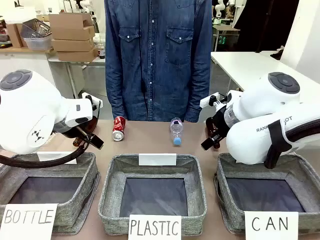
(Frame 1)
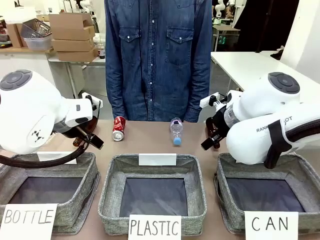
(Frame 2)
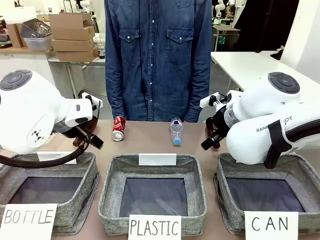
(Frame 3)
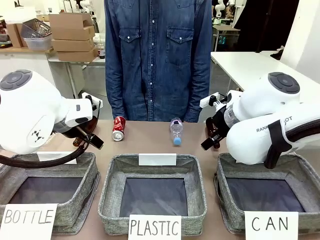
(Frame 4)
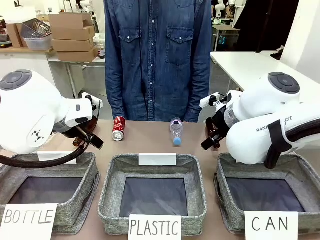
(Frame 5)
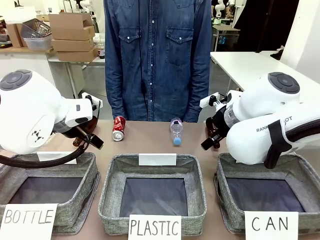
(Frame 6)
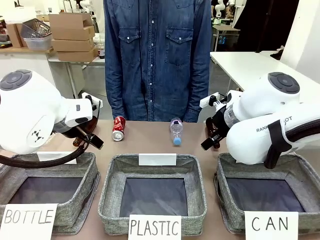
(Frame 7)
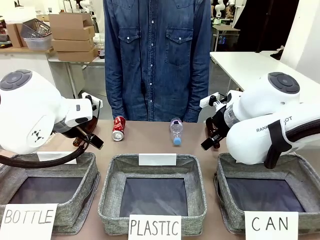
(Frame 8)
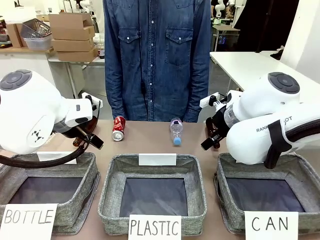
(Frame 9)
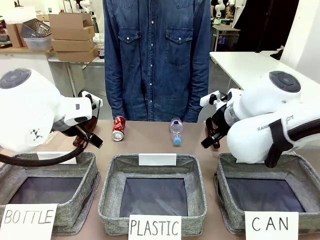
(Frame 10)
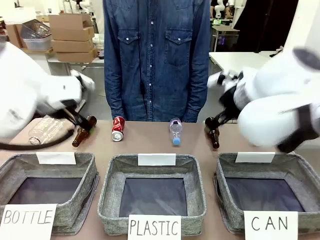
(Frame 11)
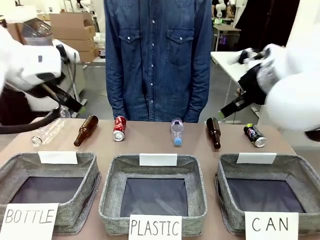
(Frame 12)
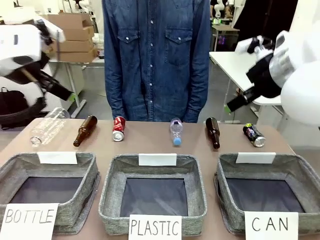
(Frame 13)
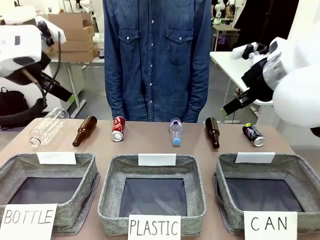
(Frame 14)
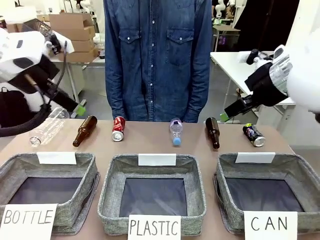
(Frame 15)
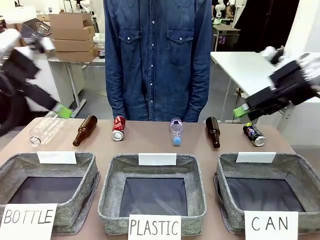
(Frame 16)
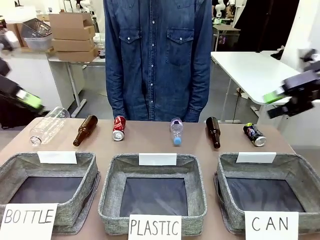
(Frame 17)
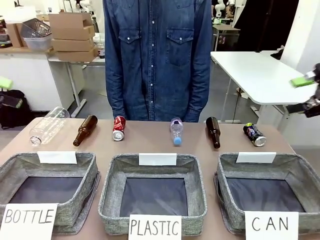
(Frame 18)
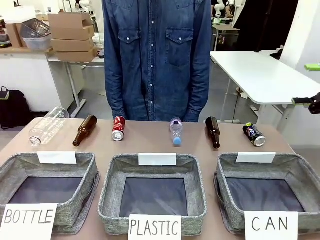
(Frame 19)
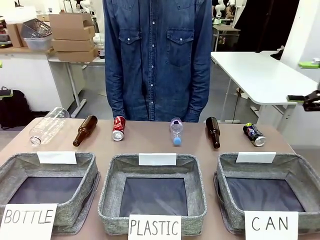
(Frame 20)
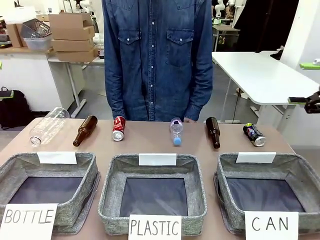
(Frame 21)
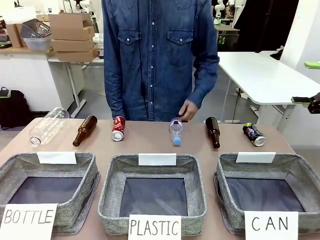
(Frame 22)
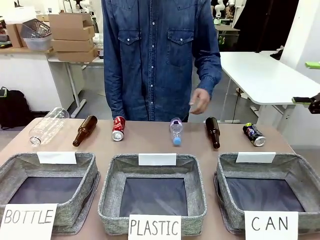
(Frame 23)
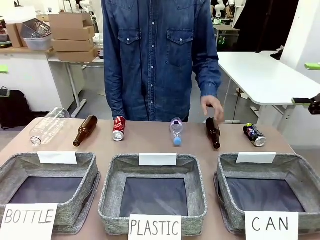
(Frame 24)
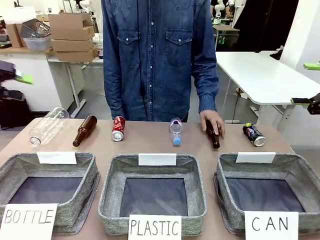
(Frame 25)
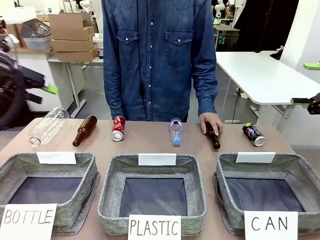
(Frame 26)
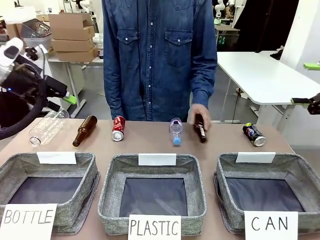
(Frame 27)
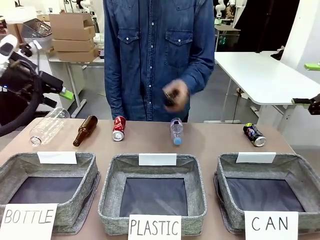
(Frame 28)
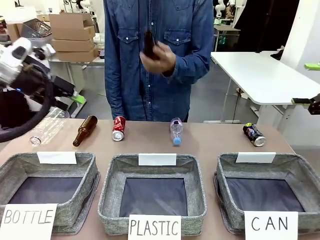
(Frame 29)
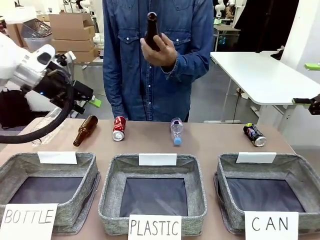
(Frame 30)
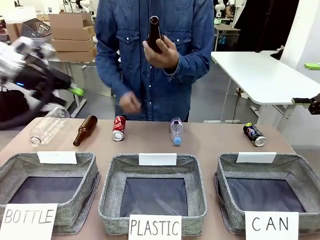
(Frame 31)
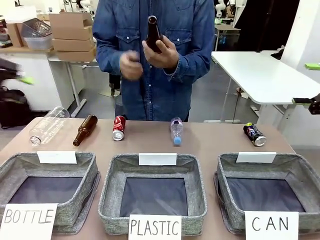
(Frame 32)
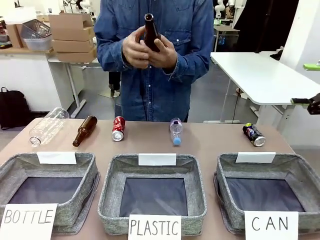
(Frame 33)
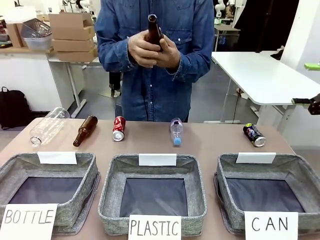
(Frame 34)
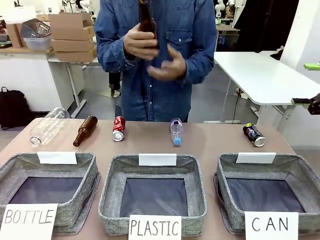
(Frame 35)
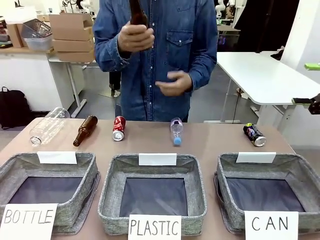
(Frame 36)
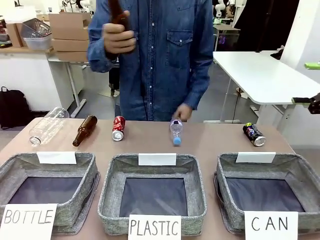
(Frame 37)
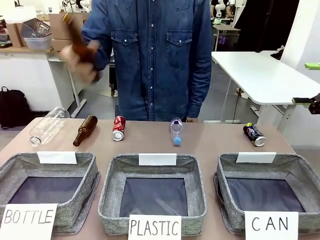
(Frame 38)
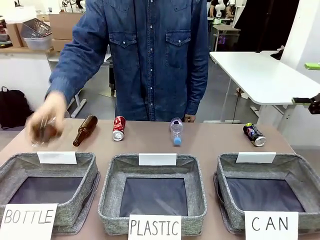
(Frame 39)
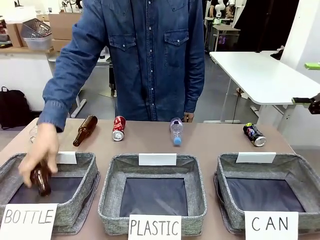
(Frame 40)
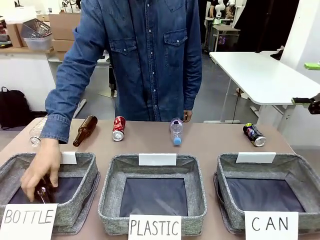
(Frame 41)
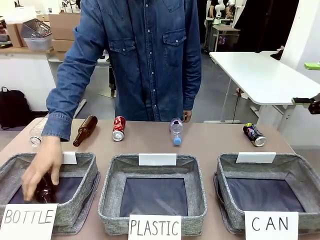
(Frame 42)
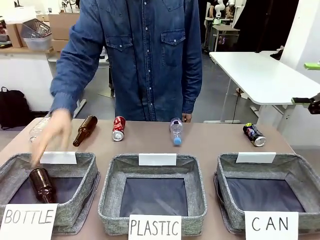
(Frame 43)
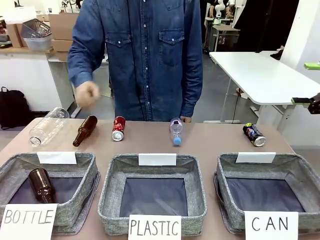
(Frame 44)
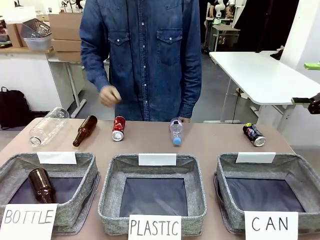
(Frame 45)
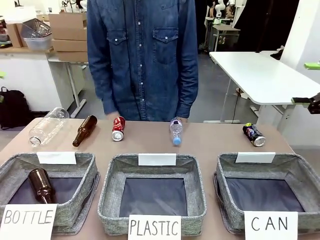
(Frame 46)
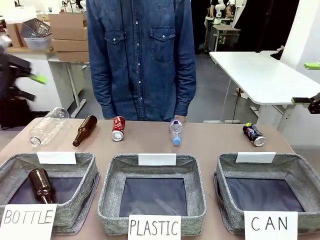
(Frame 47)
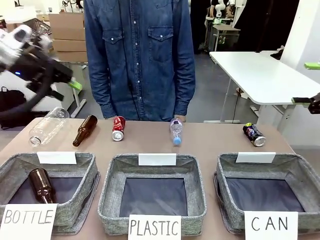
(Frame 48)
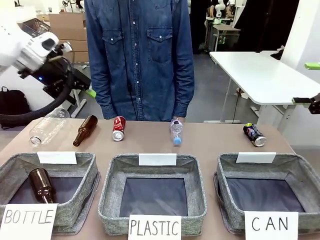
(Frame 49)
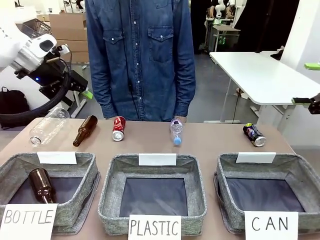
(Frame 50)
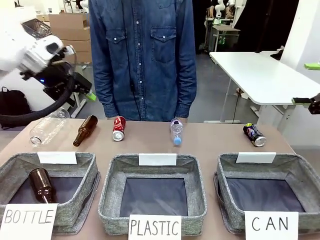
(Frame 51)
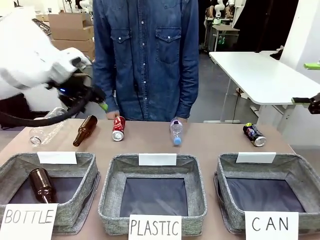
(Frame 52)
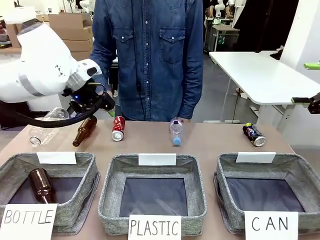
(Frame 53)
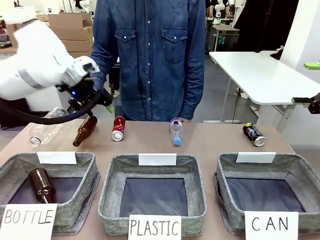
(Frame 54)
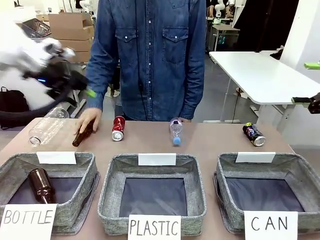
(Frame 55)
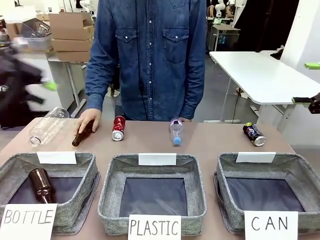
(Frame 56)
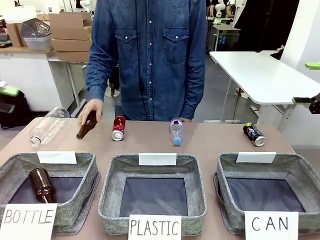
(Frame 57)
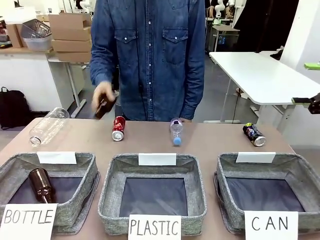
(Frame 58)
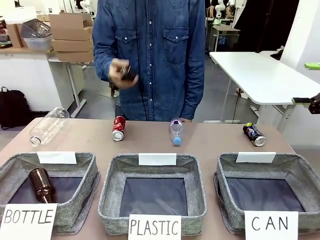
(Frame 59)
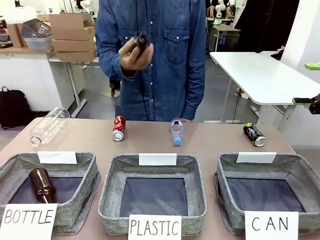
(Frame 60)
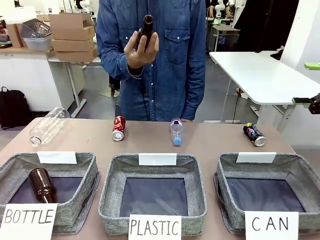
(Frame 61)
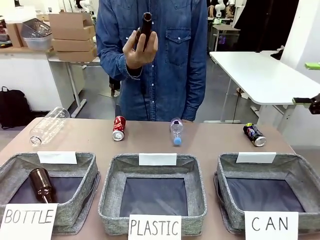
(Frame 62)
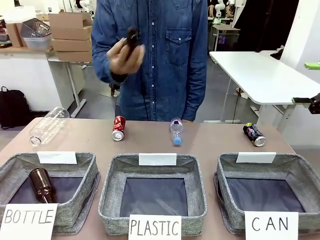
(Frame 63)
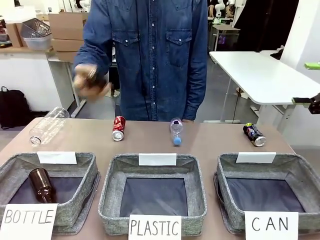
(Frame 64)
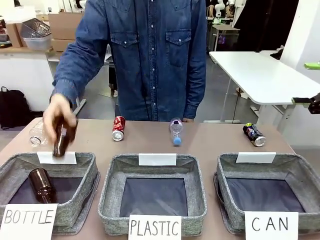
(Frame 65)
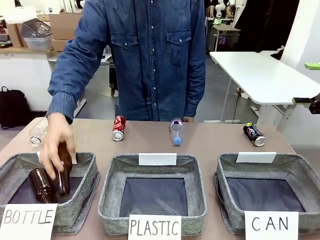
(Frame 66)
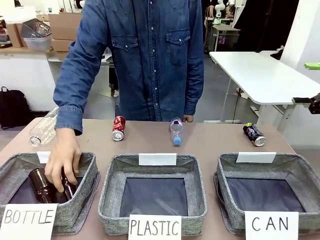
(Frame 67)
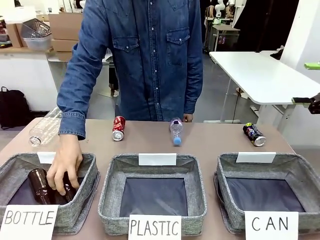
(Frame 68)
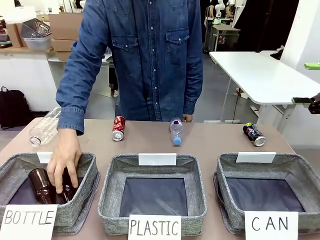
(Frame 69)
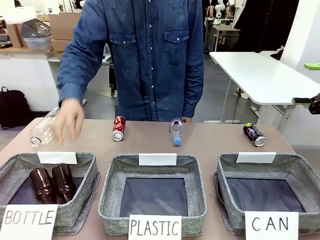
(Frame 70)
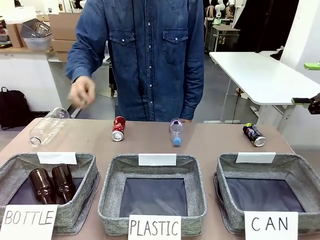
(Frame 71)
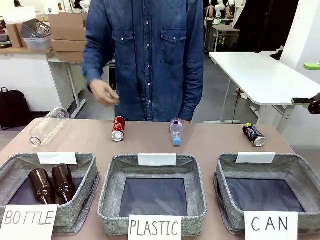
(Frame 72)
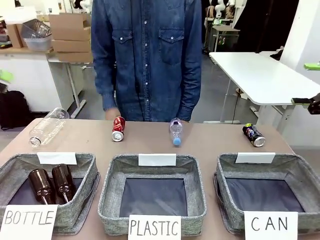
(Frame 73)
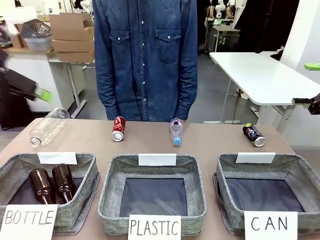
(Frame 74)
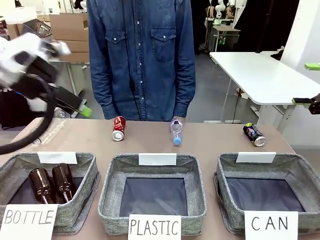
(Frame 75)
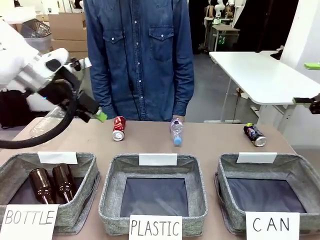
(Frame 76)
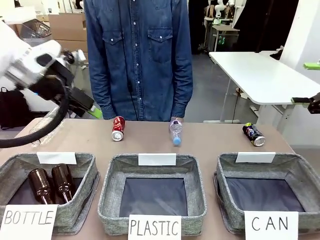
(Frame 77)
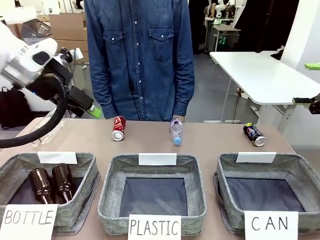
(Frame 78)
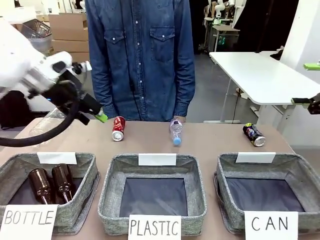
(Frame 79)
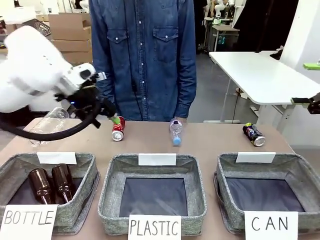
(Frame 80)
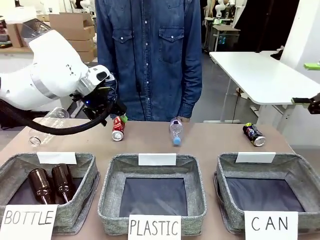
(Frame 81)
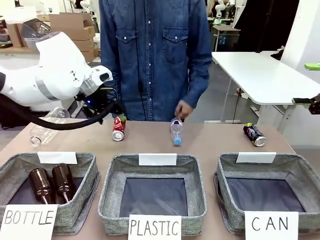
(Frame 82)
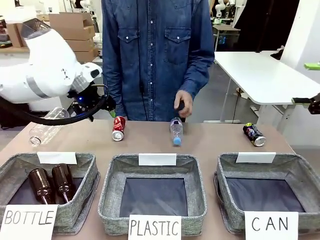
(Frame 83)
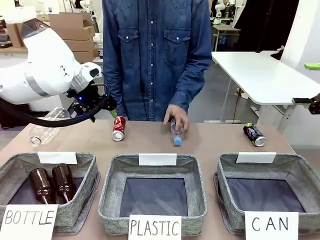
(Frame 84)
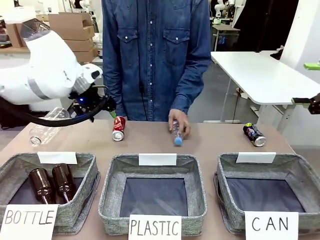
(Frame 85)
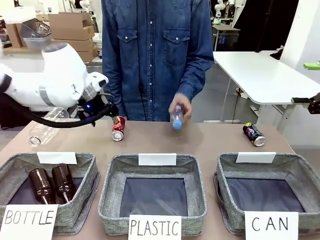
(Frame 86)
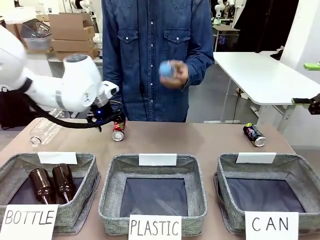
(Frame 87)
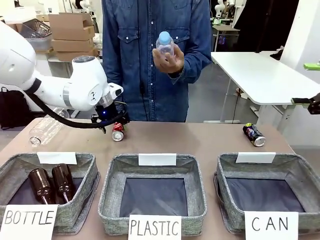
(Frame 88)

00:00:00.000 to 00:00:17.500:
Task: Sort the can waste into the basket.
Robot: Pick up the can waste from the table and place it in the right Fabric basket.
